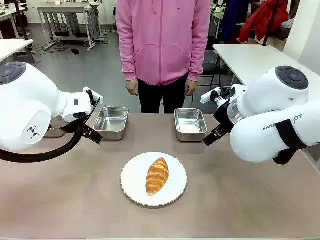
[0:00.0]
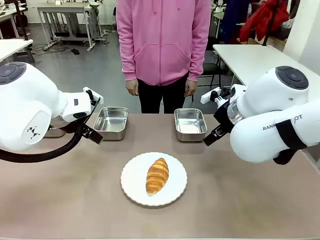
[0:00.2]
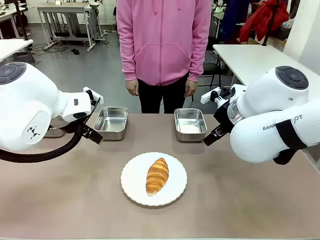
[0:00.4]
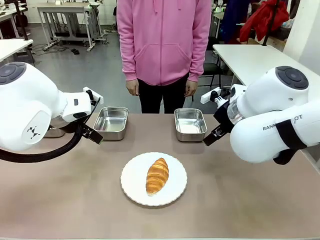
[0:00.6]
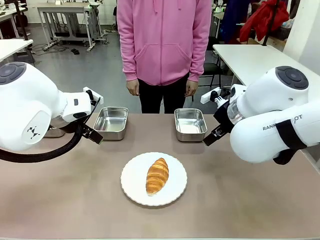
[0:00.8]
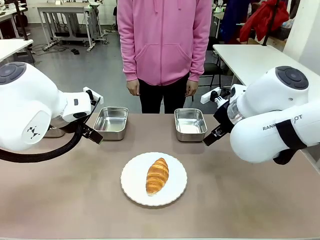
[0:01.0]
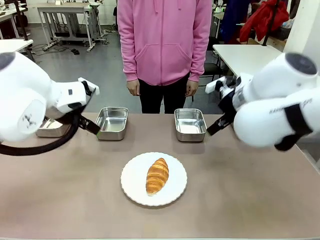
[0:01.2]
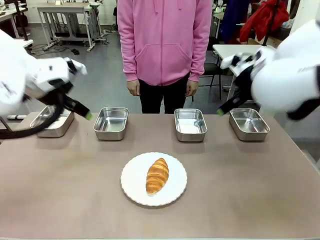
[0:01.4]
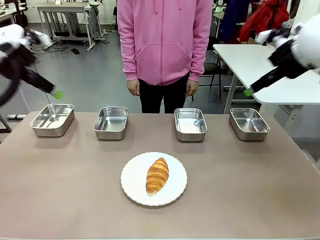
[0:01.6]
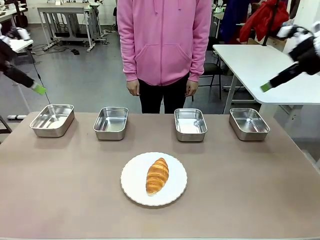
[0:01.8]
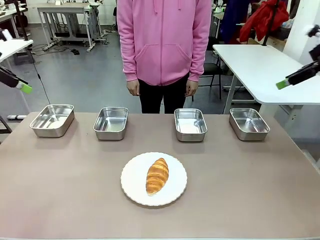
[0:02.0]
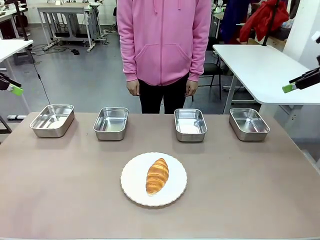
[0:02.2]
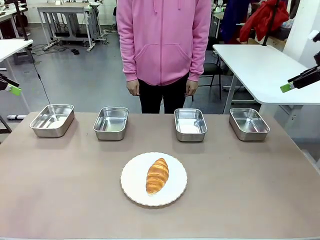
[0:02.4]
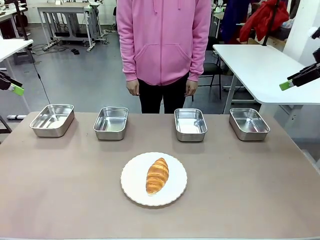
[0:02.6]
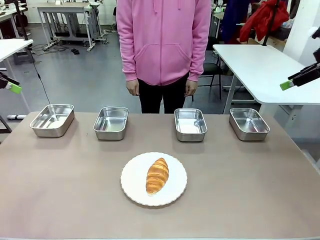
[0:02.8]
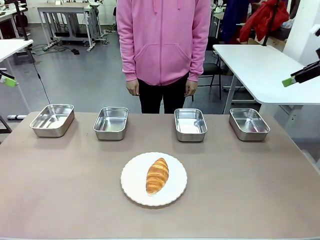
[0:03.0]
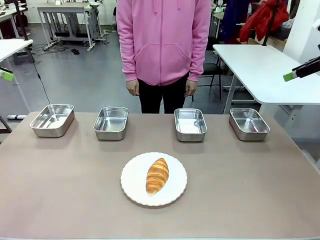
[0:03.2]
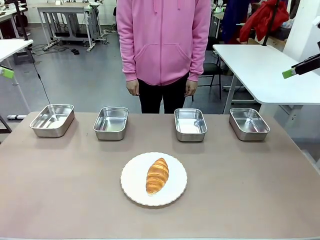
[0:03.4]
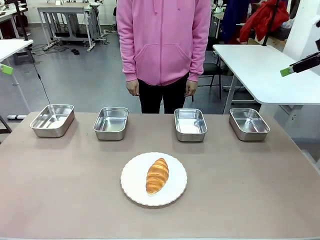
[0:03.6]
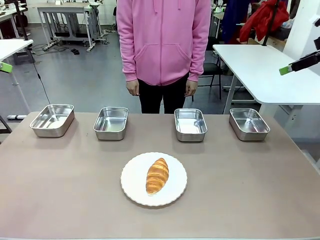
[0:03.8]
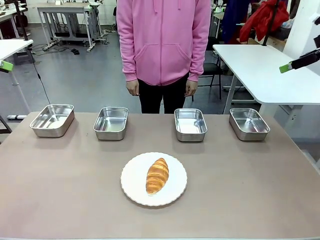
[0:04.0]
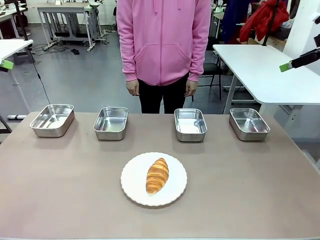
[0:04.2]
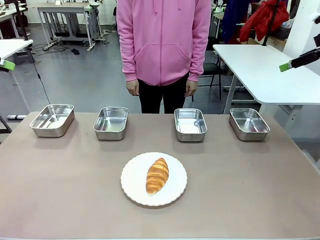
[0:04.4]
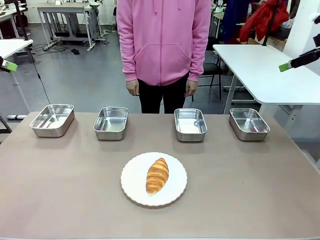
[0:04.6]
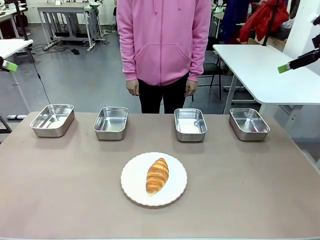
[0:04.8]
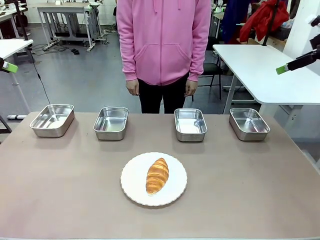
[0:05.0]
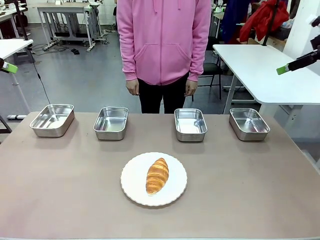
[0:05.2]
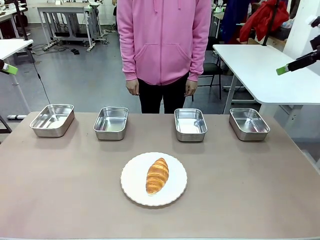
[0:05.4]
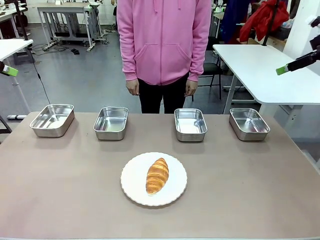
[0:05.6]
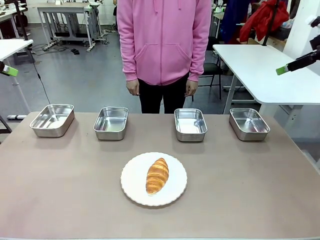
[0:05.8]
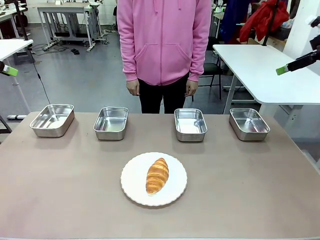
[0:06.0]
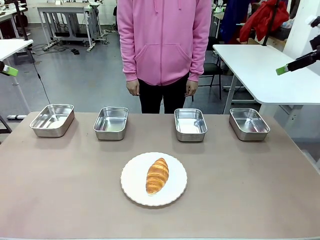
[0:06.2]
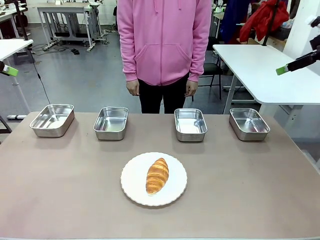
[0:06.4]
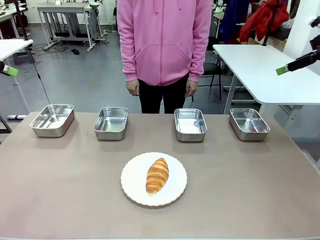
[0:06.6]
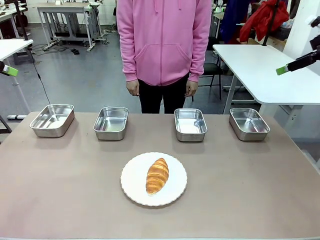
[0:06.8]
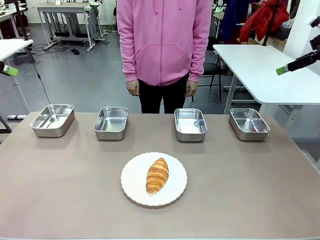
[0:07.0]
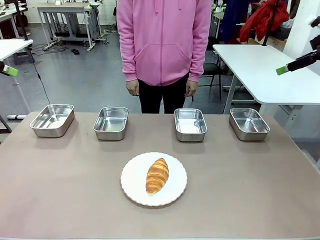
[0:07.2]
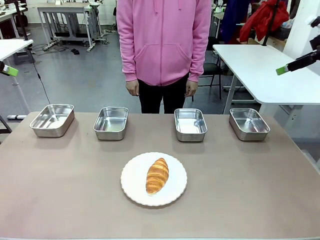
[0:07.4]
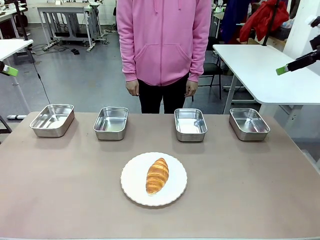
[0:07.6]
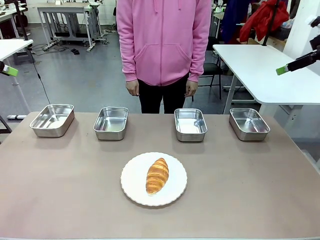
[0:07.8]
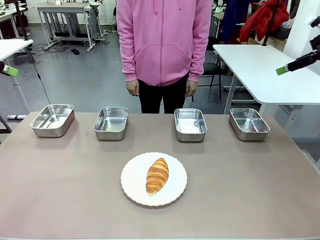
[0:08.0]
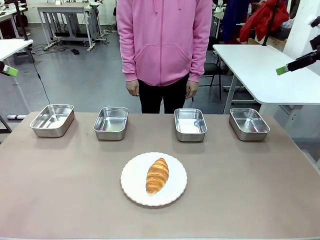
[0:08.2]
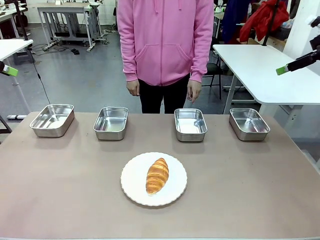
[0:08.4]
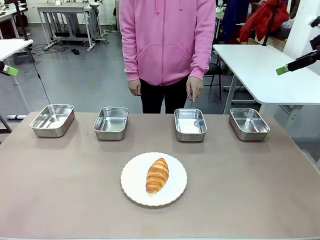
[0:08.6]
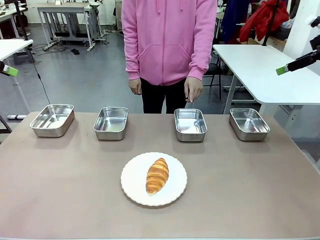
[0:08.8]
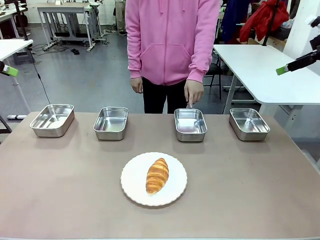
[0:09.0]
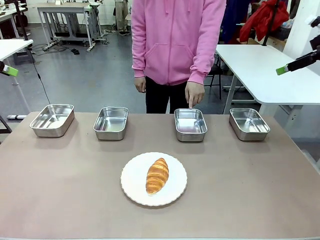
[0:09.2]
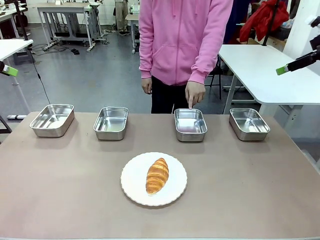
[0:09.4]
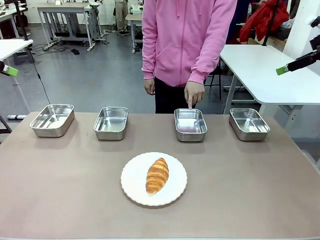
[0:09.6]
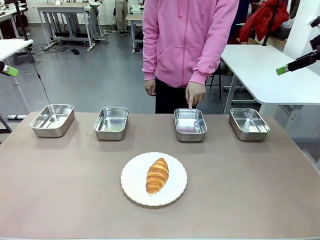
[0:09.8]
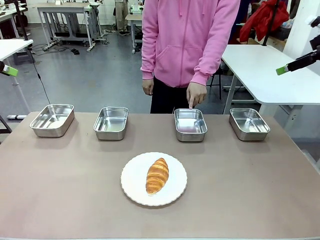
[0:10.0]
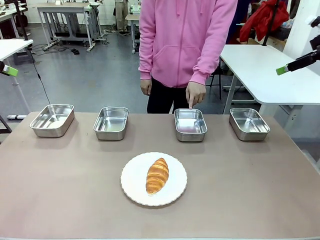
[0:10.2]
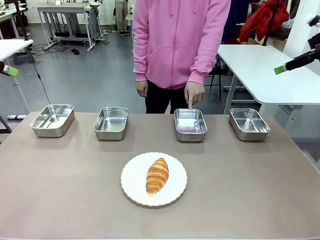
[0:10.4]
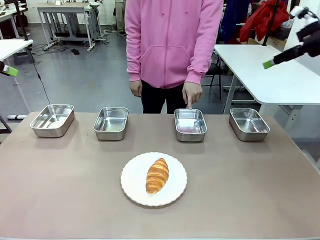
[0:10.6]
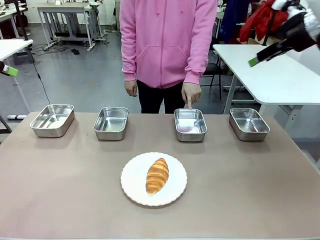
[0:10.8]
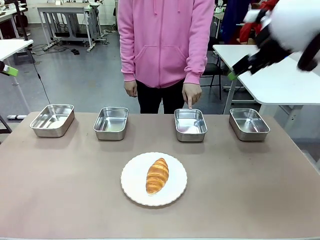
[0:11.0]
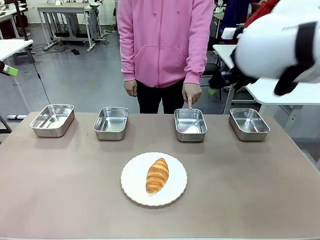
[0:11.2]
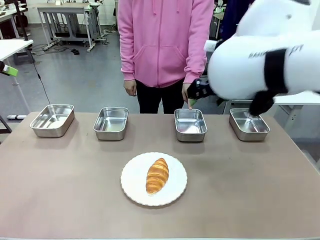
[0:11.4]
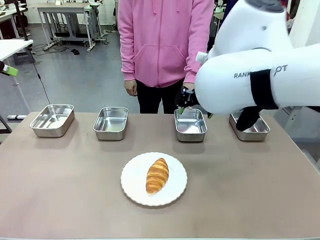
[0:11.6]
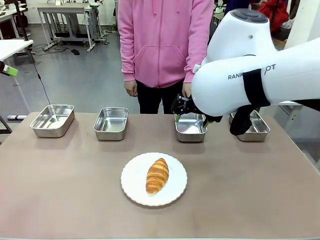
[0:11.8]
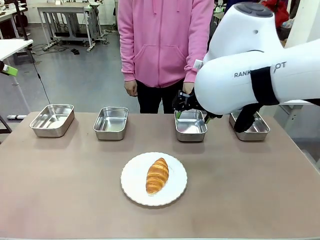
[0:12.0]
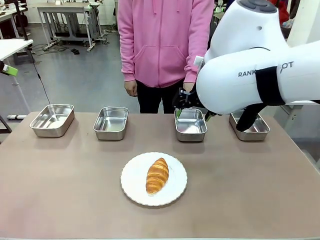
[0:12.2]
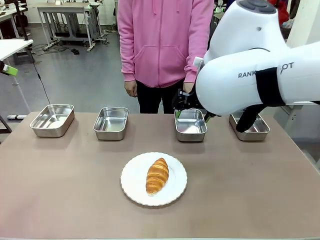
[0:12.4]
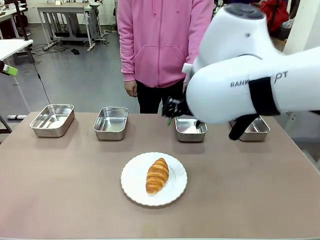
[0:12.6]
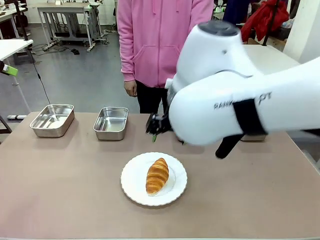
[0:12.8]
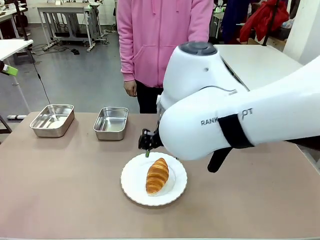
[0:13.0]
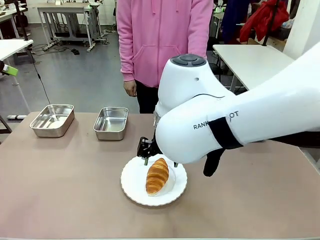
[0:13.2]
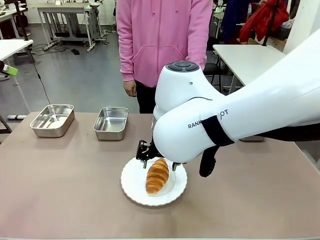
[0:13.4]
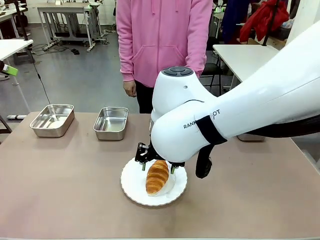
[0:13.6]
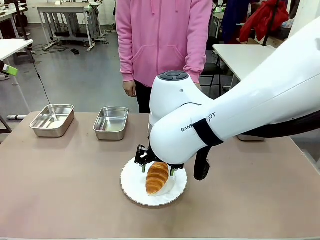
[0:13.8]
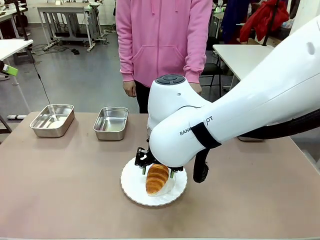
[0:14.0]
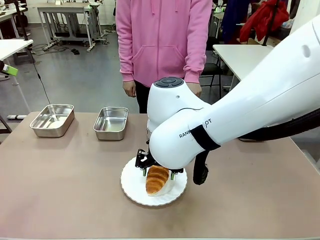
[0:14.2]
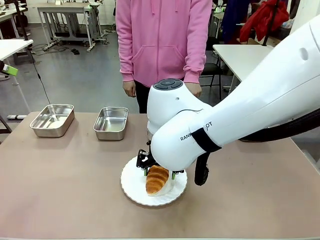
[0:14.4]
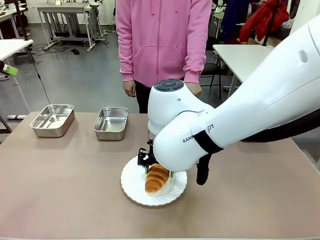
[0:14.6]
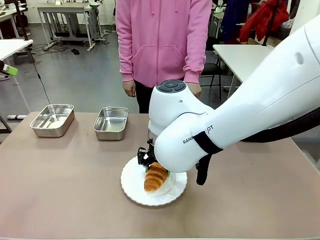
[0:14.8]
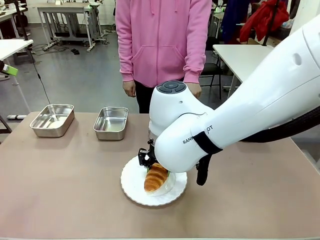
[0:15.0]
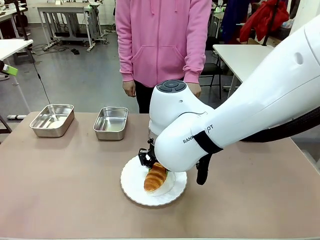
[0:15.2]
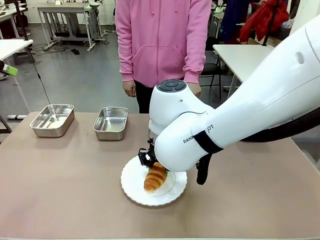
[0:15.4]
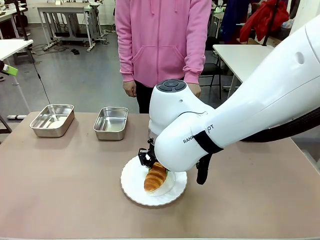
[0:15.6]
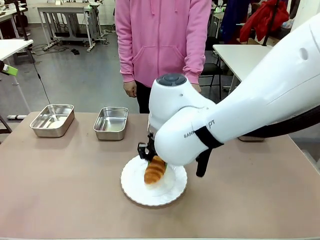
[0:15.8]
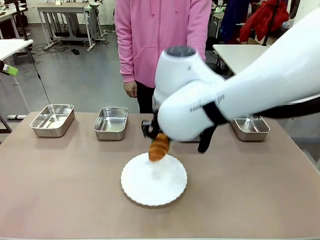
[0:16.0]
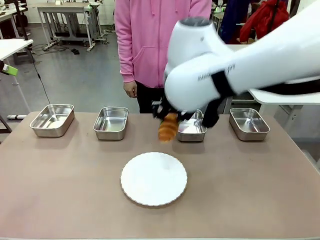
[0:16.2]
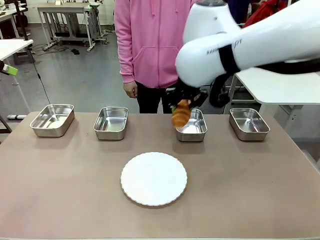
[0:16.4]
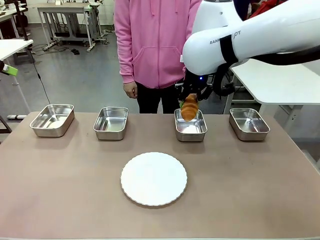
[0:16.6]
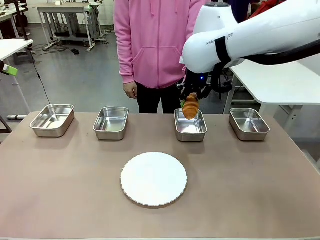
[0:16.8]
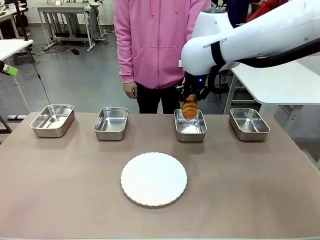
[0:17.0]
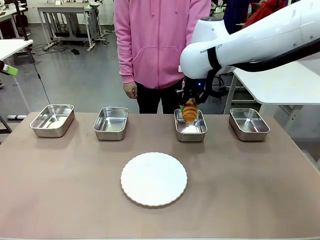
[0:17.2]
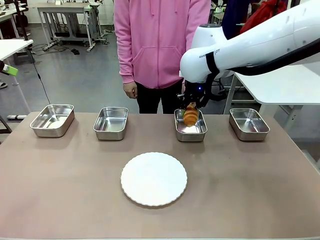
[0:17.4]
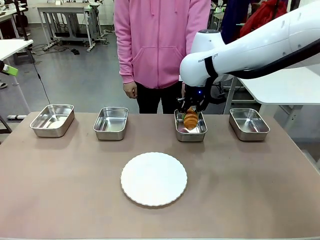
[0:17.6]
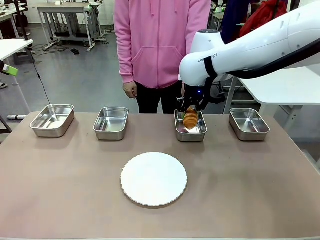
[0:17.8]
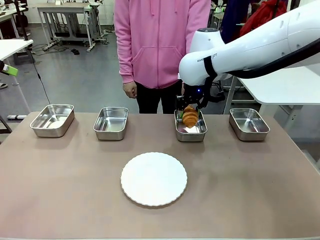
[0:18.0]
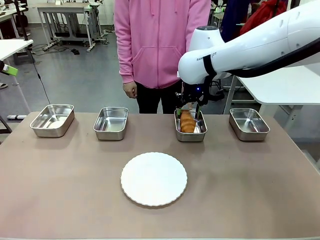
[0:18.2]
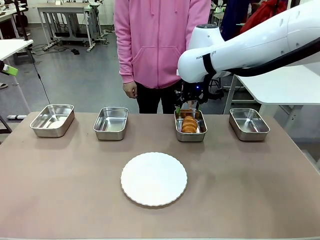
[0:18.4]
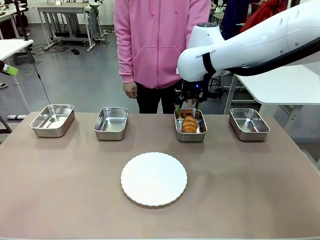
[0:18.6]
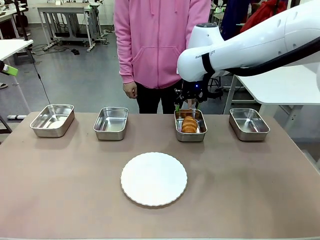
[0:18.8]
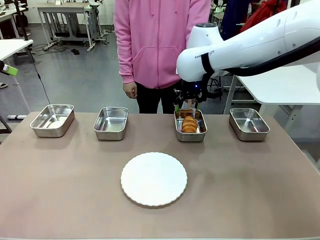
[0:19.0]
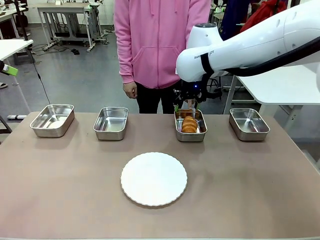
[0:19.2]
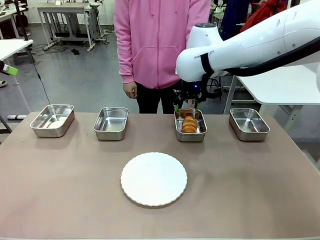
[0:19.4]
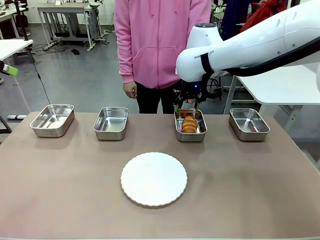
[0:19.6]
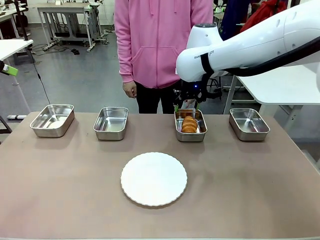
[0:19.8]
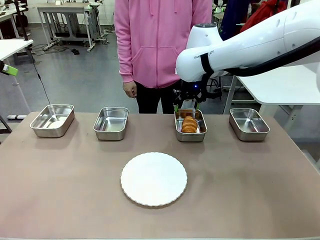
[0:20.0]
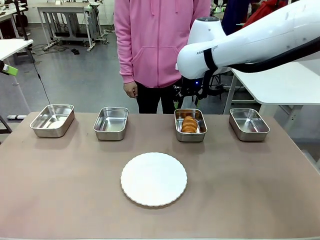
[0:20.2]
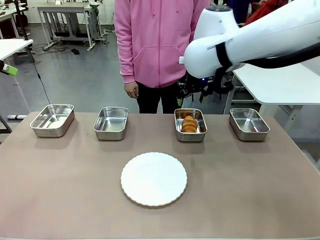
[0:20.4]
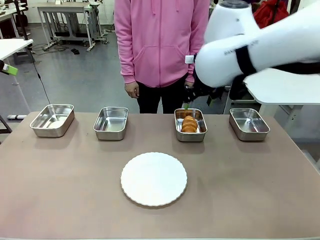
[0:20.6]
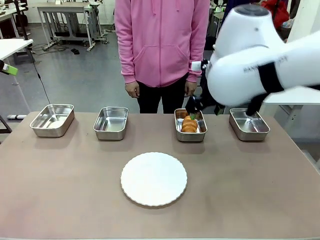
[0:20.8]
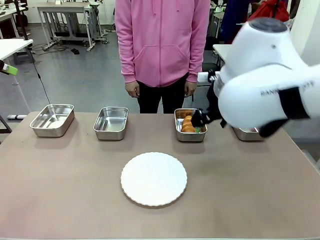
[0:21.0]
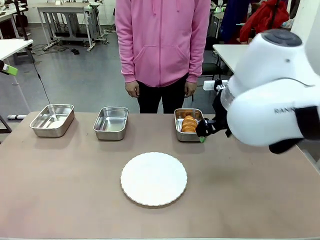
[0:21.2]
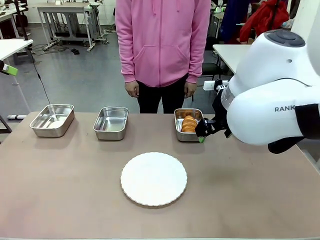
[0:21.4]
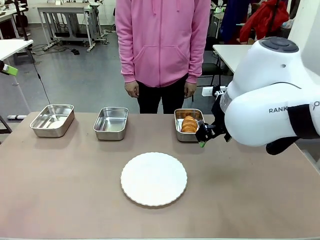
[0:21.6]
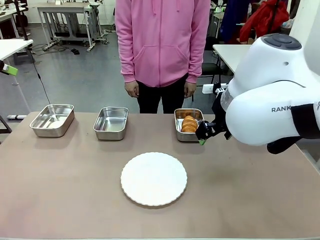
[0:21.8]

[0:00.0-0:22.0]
Task: Place the bread in the container.
Robot: Place the Butter Roll into the Airtight Container indicated by the human.
Person: A person randomly selects and points to an Airtight Container.
